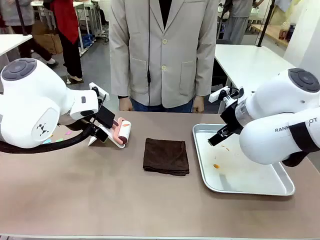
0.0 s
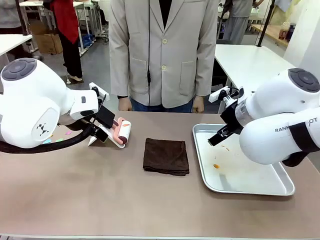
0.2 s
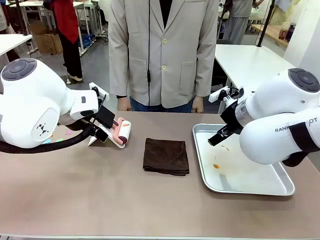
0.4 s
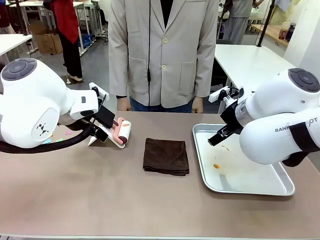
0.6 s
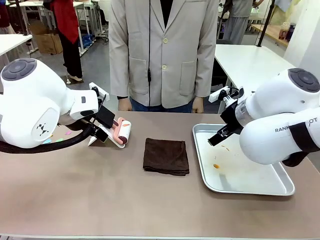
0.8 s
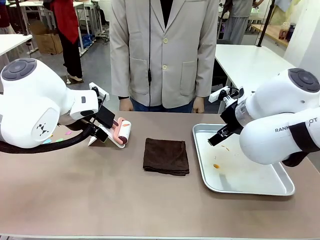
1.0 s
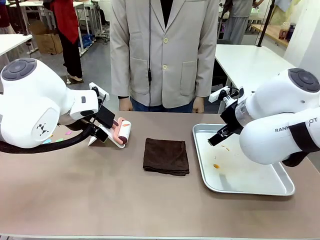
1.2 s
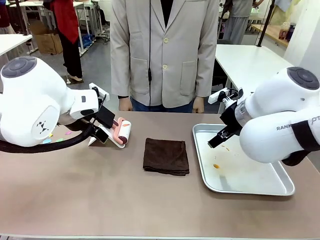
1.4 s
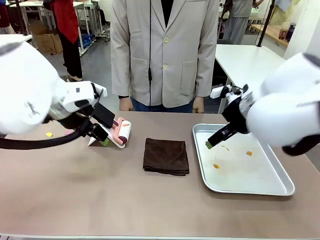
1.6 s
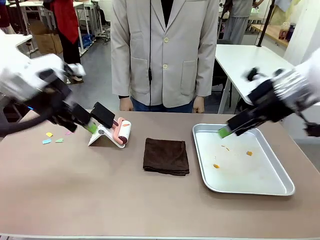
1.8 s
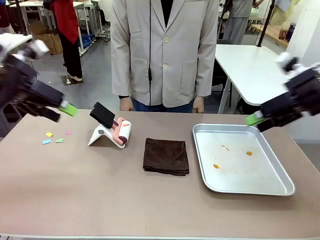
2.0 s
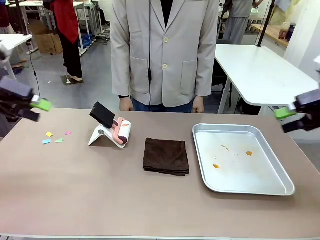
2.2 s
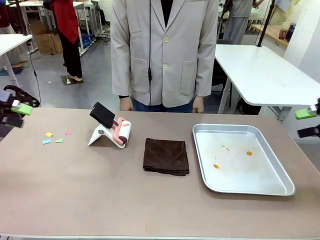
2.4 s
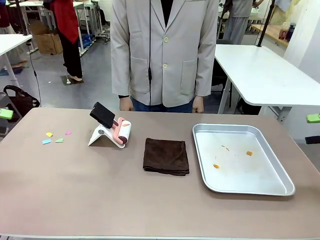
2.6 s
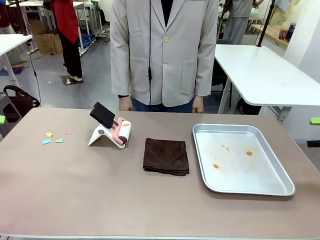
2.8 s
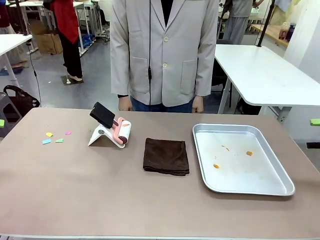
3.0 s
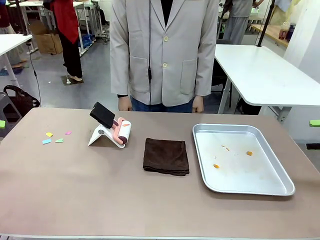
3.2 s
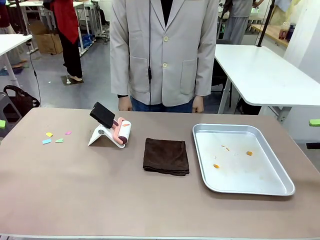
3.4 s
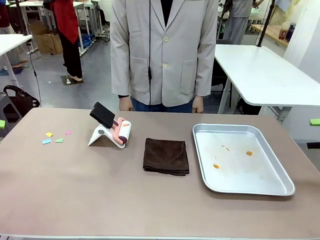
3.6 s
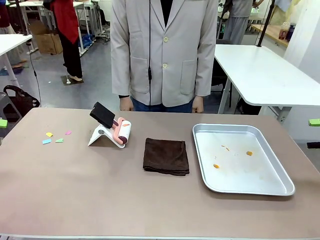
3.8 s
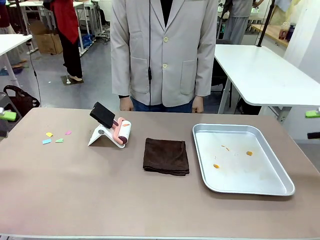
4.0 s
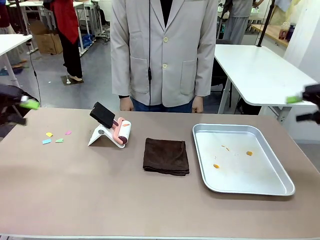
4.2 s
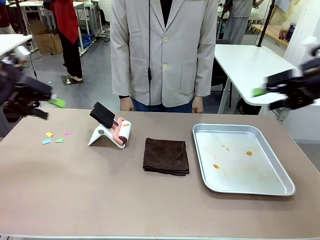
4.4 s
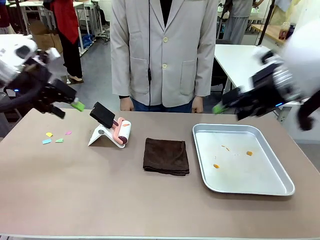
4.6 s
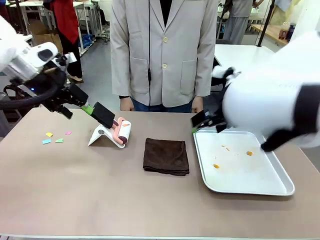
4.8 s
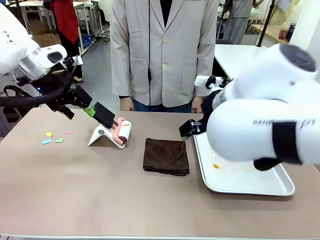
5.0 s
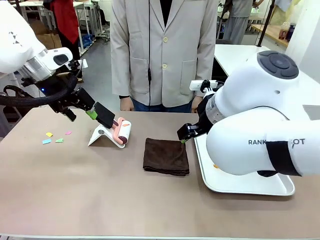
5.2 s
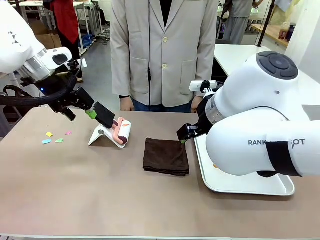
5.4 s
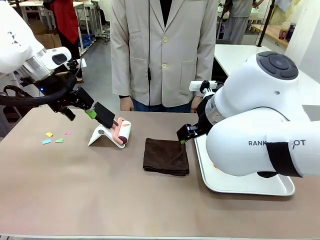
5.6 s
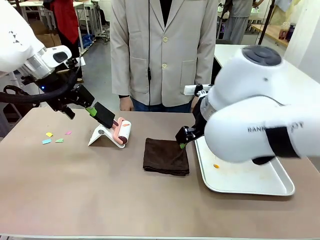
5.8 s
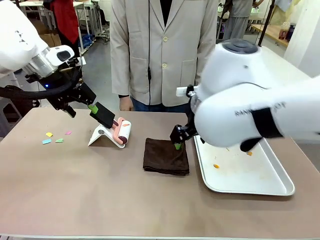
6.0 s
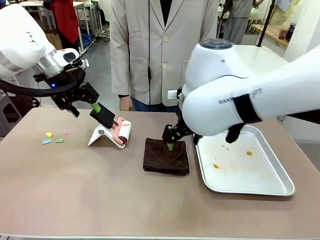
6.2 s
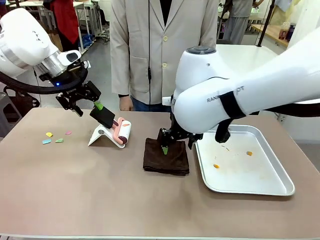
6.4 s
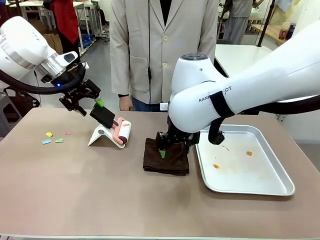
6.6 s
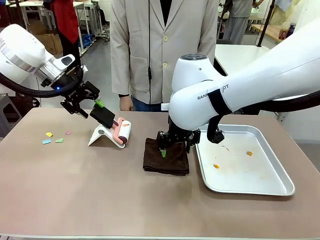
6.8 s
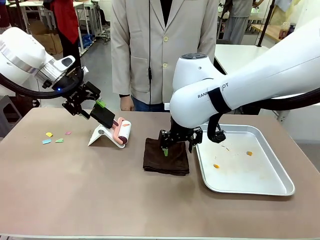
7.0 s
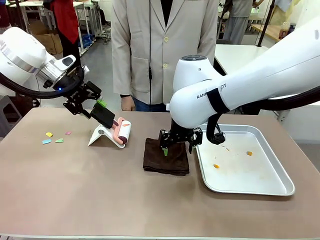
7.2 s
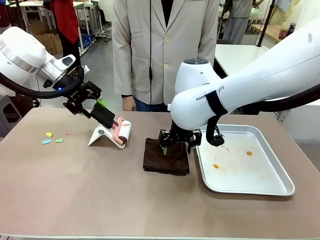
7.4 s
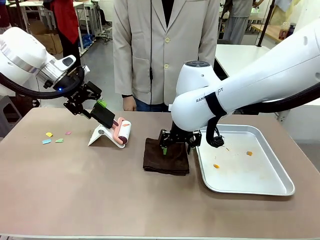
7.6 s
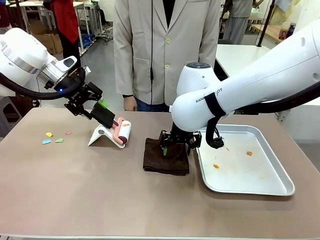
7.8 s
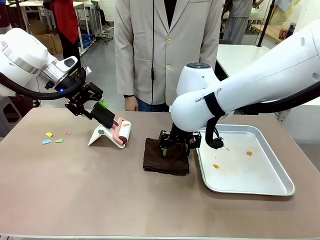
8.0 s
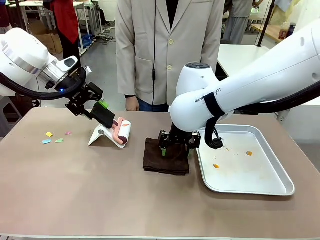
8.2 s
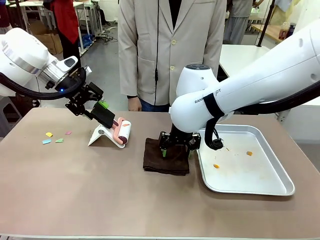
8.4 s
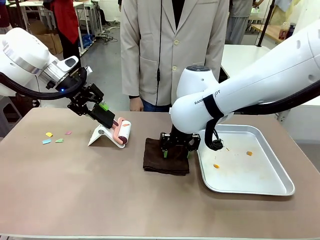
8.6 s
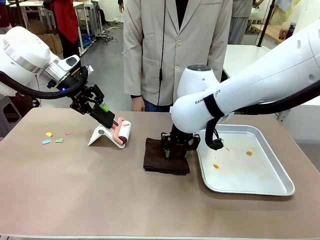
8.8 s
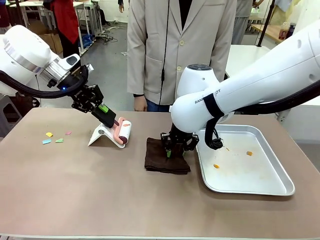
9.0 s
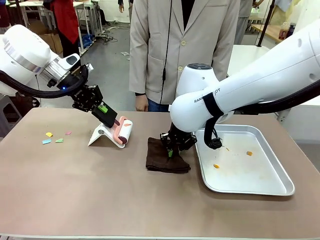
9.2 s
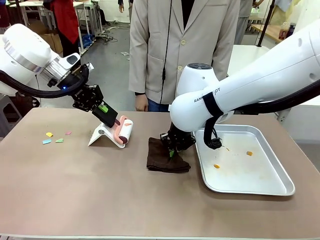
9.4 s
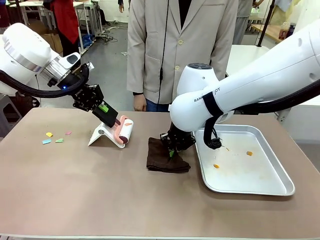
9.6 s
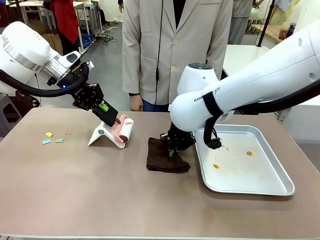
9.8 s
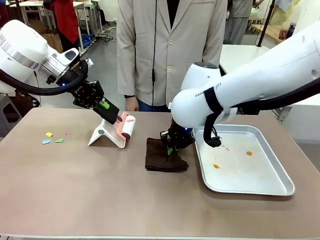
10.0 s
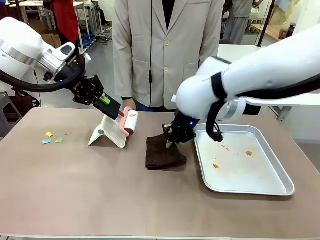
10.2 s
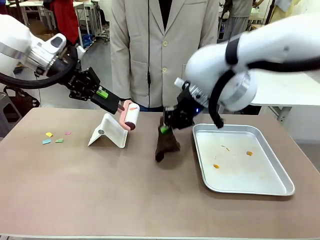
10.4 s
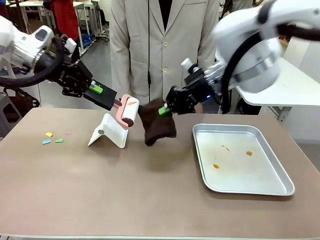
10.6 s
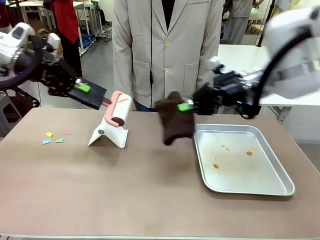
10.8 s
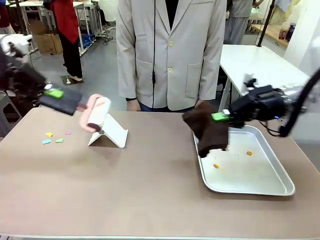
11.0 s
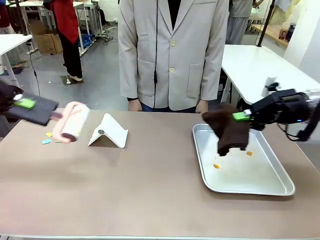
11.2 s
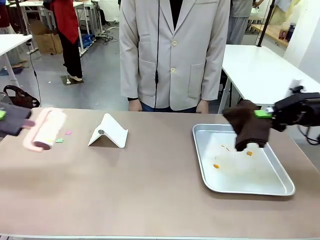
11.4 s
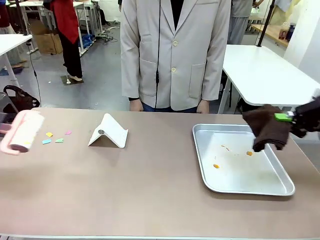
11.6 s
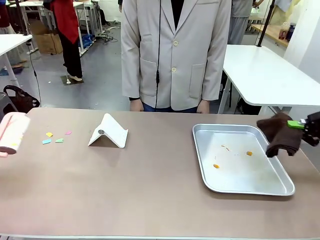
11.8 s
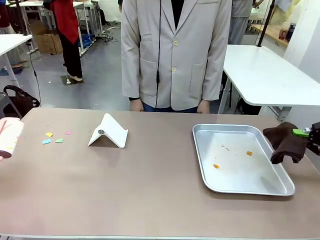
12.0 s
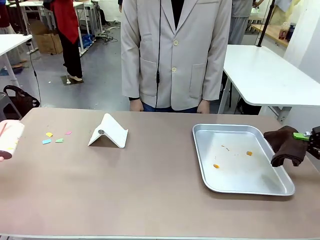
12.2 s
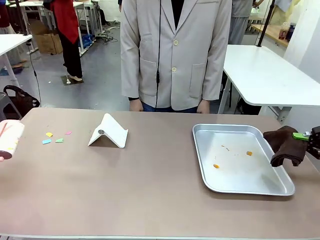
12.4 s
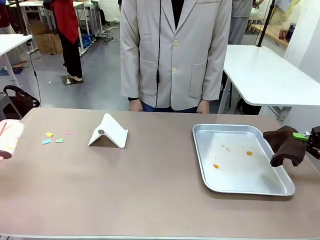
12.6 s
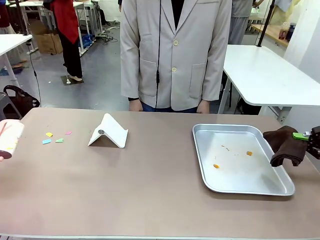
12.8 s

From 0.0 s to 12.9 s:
Task: Clean the surface of the table.
Robot: Hold the Lint Roller with your left hand and the towel with your right hand.

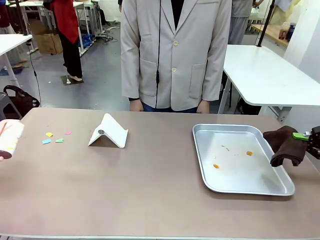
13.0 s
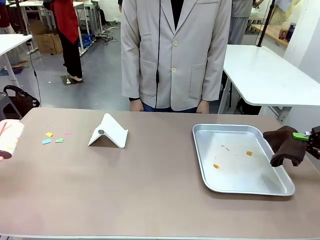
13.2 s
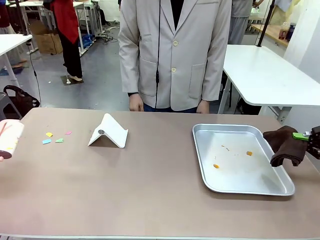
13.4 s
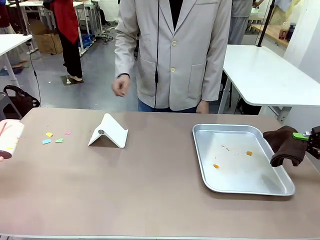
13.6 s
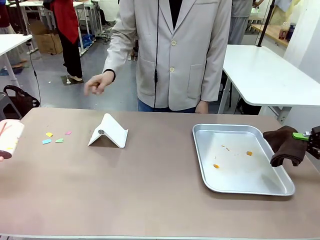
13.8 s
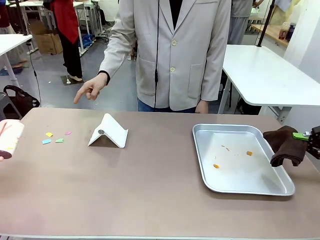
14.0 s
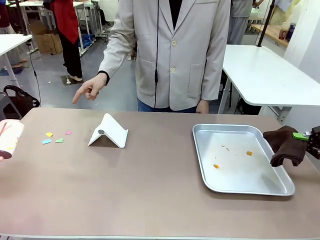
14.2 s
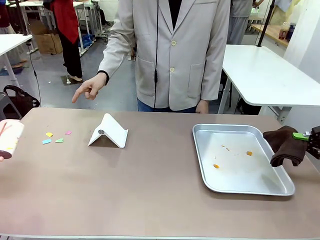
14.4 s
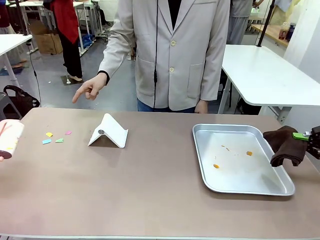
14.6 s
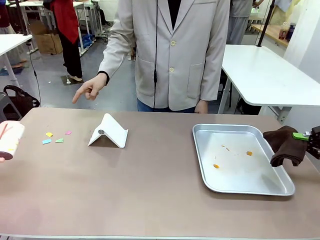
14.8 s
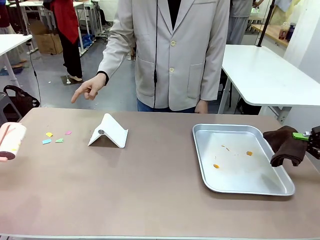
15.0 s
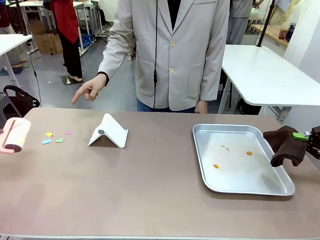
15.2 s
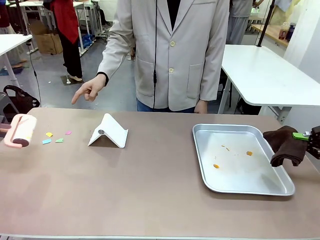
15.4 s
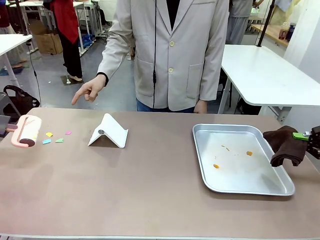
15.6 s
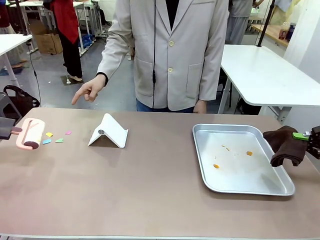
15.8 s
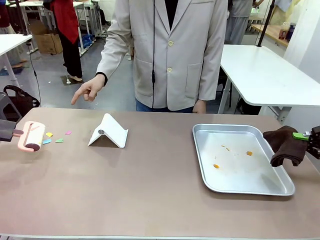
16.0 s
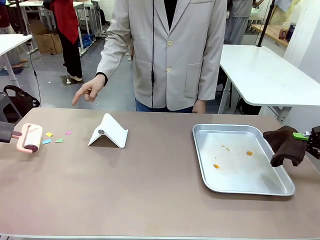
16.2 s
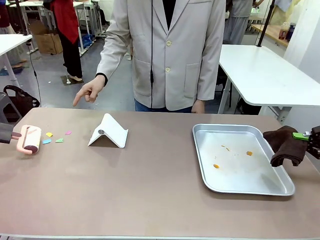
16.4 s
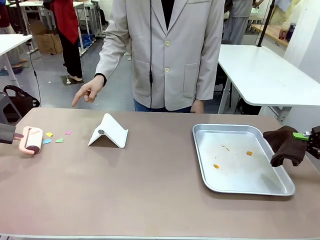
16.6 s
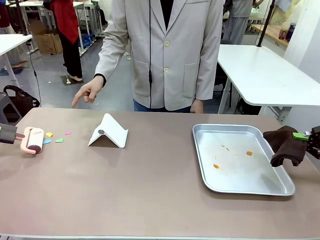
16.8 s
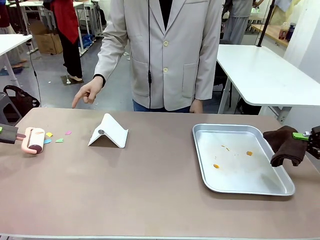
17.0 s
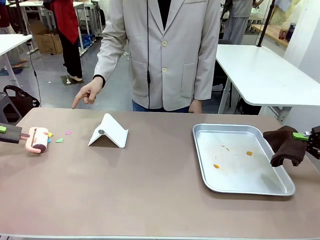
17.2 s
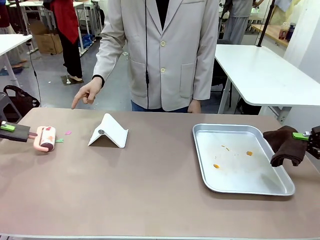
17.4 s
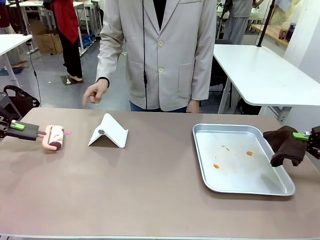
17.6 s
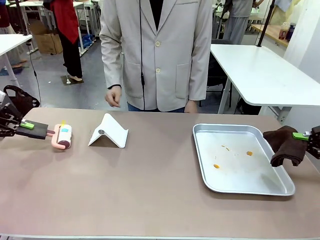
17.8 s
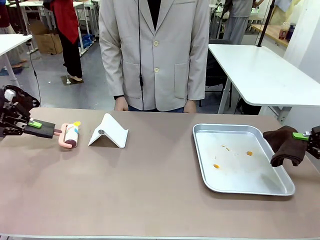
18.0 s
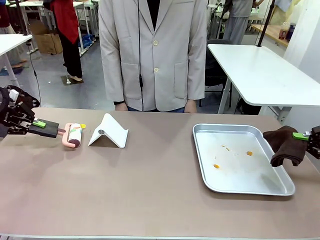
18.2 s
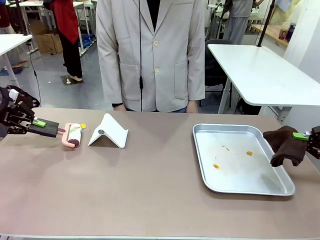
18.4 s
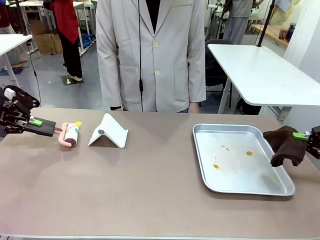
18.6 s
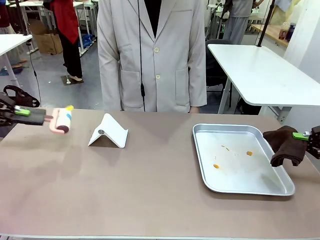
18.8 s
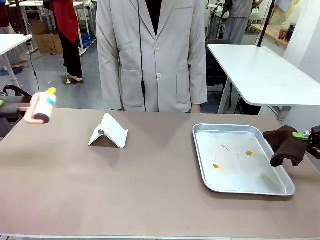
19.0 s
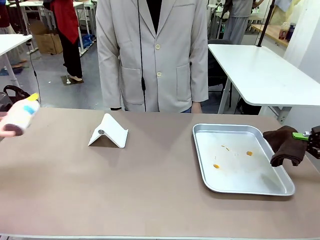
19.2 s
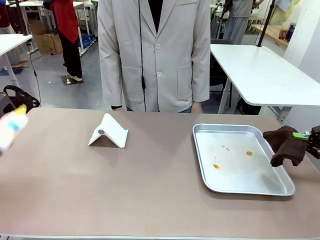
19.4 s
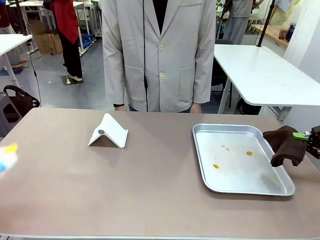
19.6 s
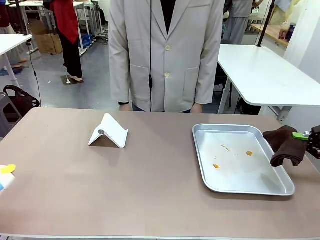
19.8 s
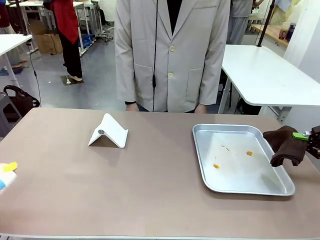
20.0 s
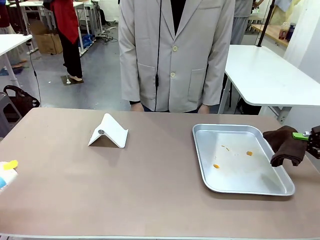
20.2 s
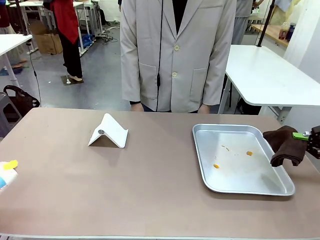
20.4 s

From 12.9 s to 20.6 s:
Robot: If a person points to the right, clean the right side of the table with your right hand, and if they point to the left, clean the left side with your left hand.
